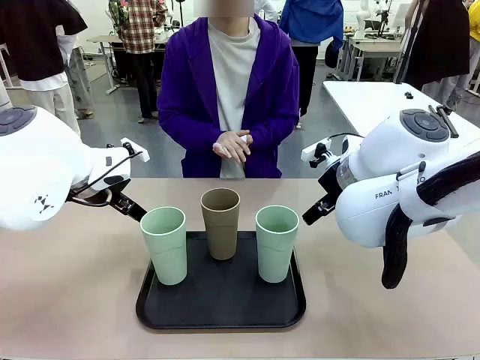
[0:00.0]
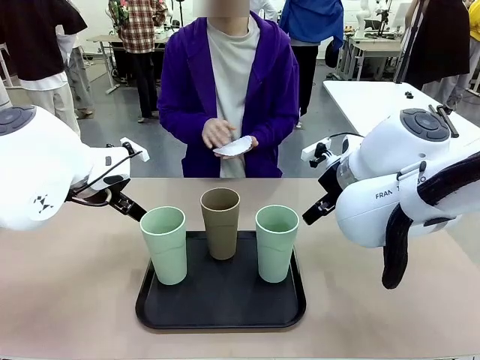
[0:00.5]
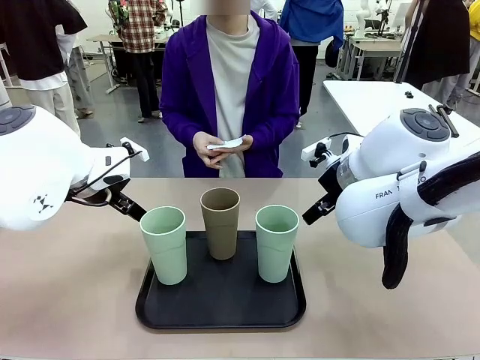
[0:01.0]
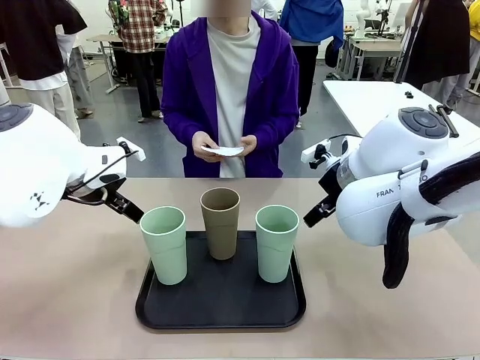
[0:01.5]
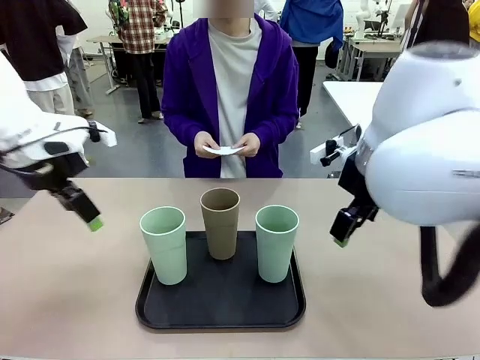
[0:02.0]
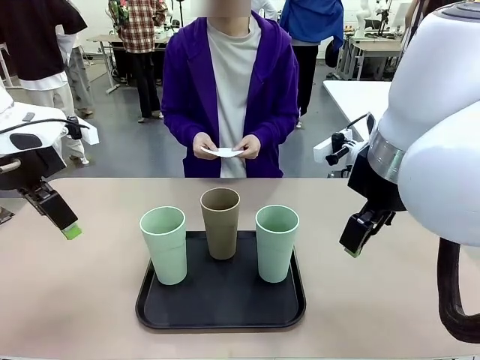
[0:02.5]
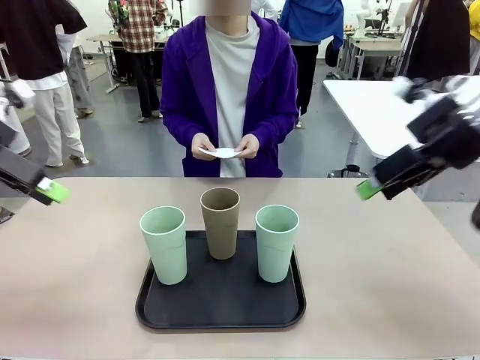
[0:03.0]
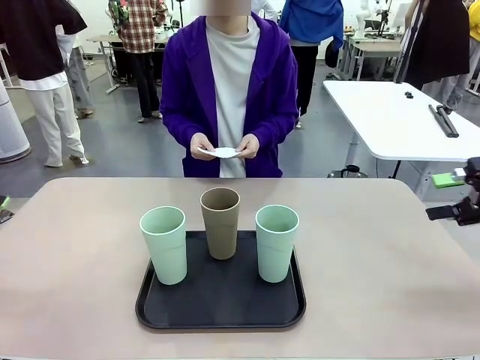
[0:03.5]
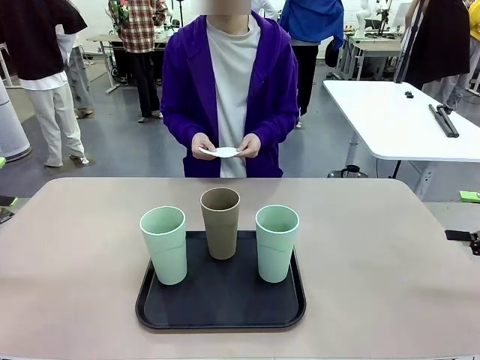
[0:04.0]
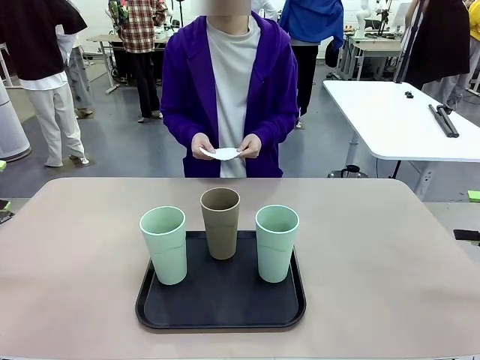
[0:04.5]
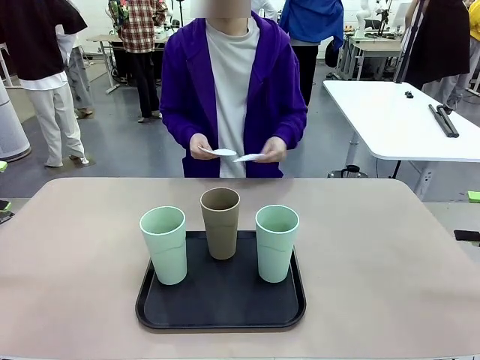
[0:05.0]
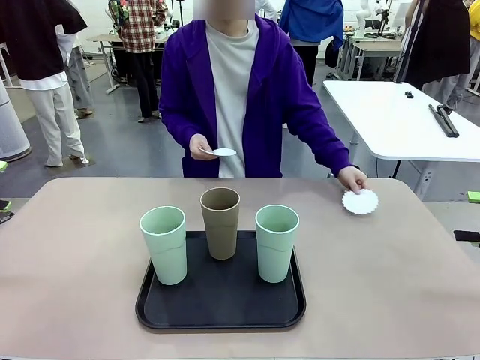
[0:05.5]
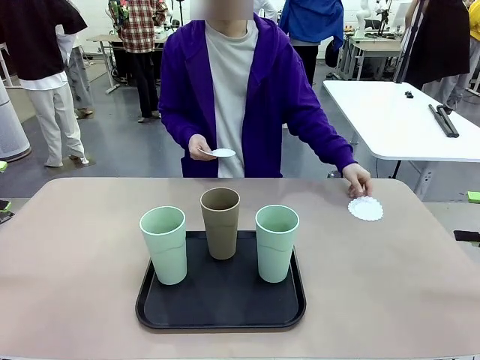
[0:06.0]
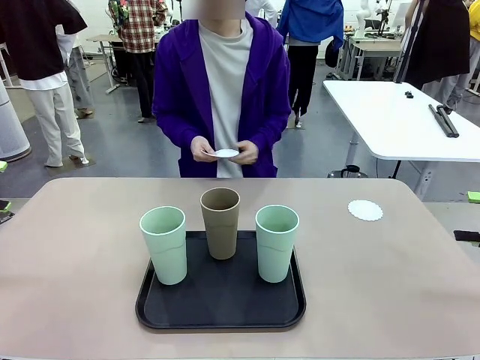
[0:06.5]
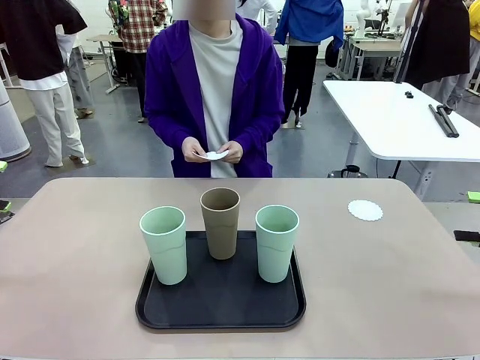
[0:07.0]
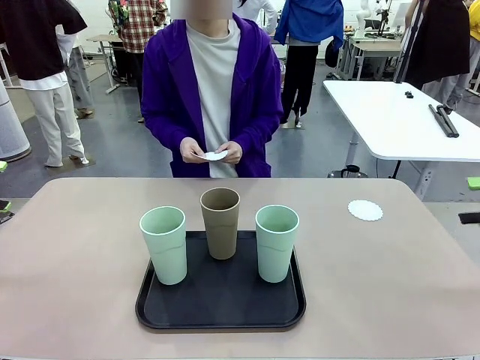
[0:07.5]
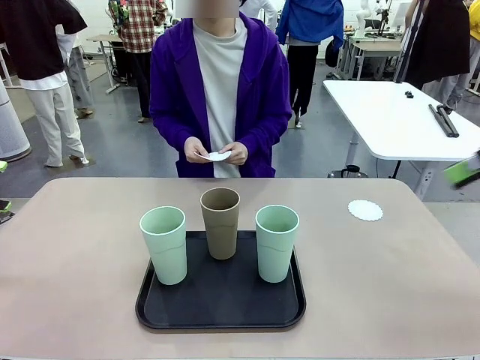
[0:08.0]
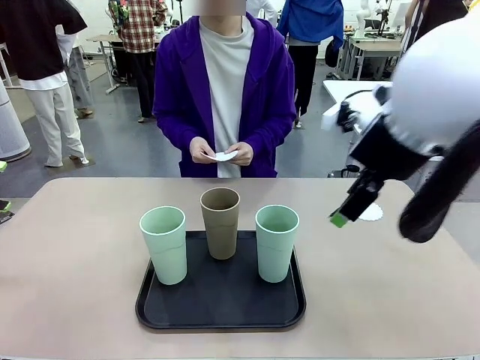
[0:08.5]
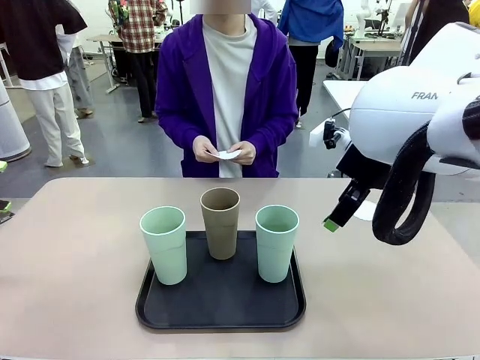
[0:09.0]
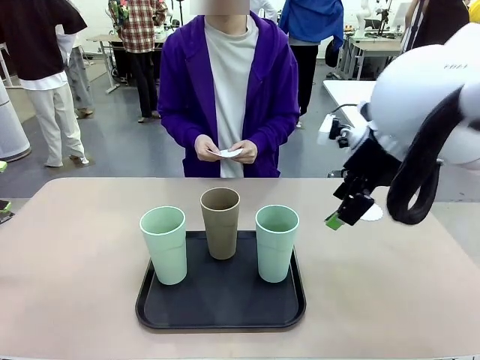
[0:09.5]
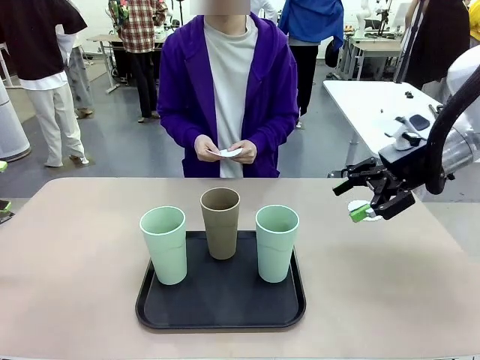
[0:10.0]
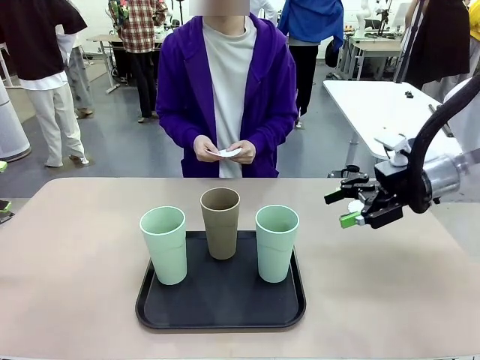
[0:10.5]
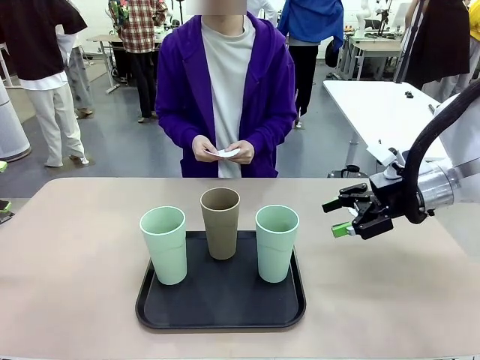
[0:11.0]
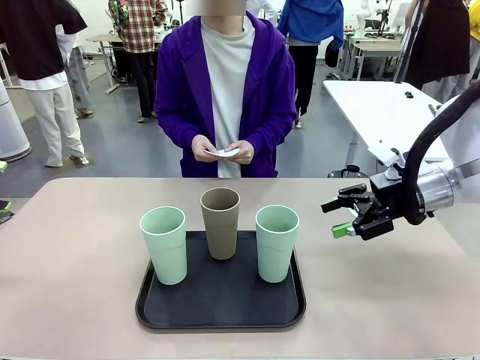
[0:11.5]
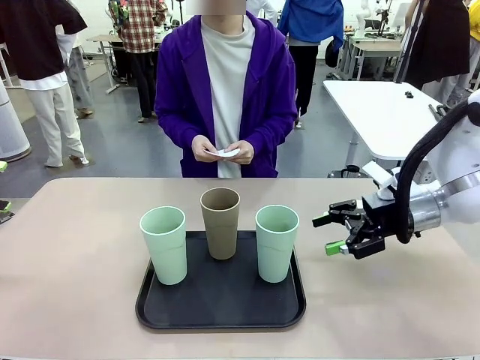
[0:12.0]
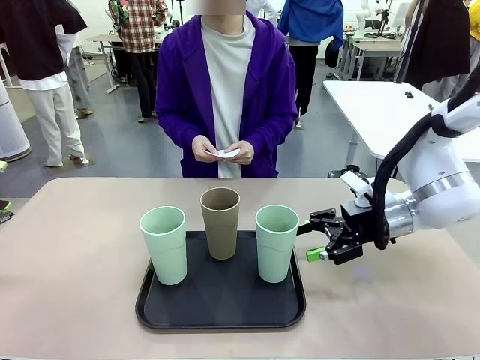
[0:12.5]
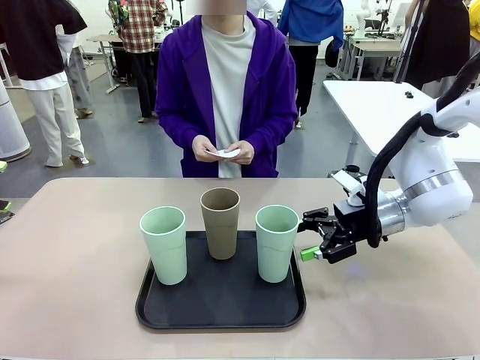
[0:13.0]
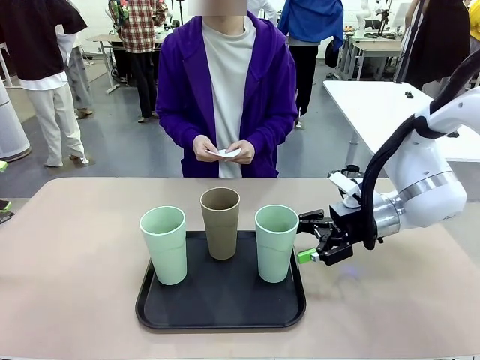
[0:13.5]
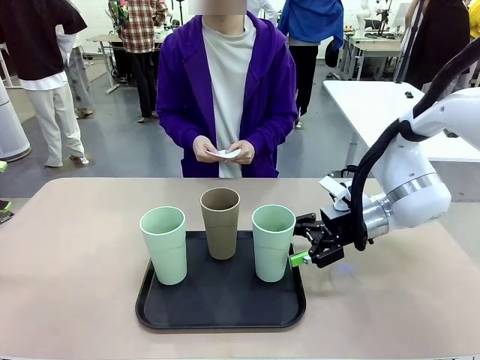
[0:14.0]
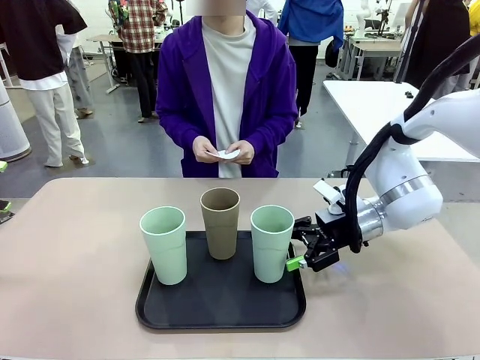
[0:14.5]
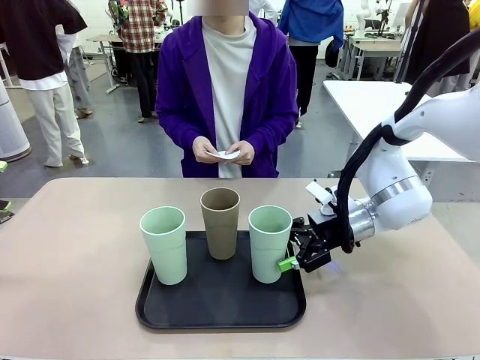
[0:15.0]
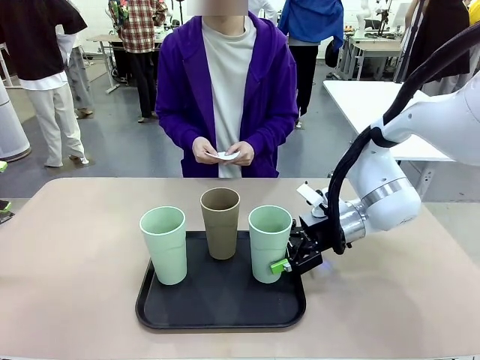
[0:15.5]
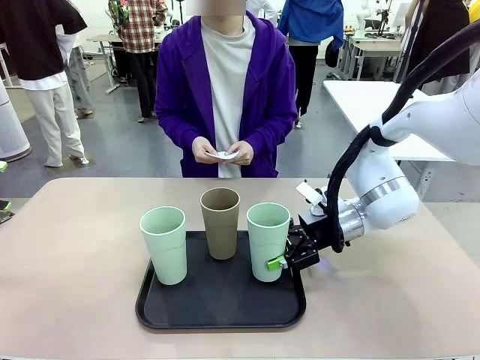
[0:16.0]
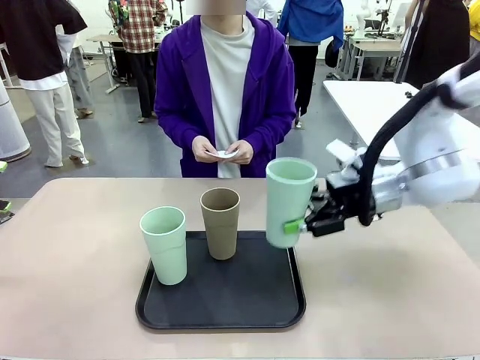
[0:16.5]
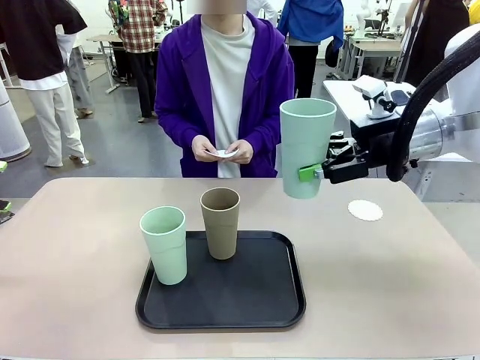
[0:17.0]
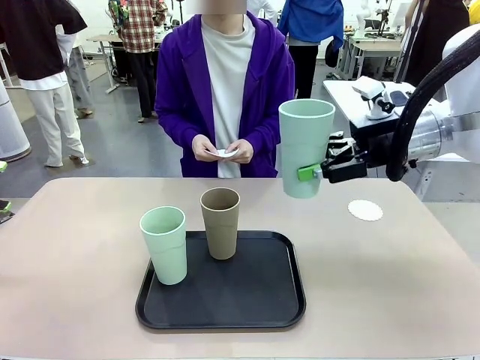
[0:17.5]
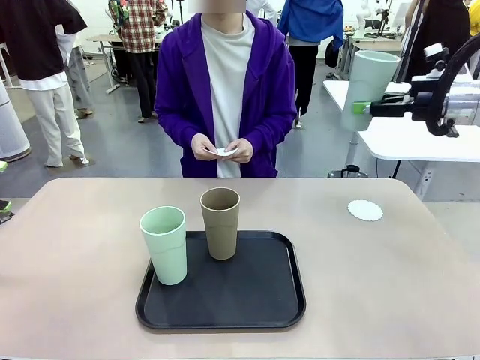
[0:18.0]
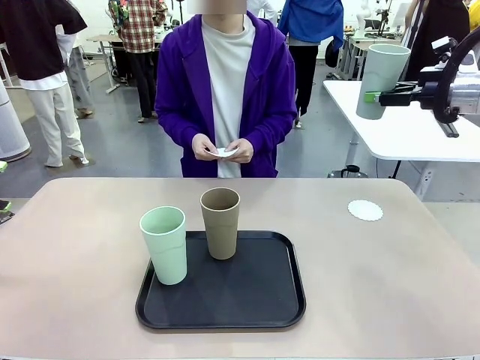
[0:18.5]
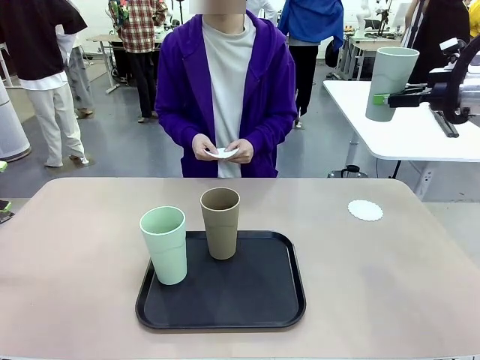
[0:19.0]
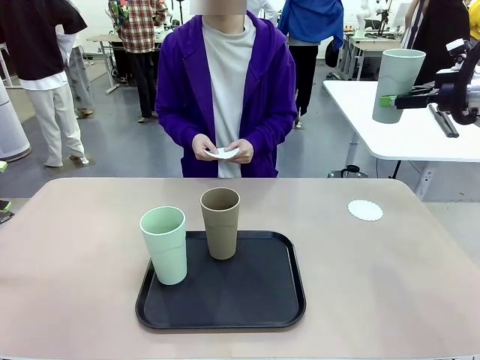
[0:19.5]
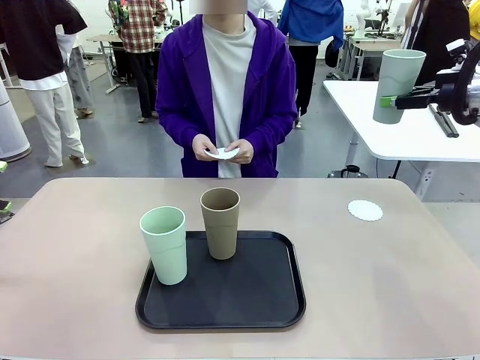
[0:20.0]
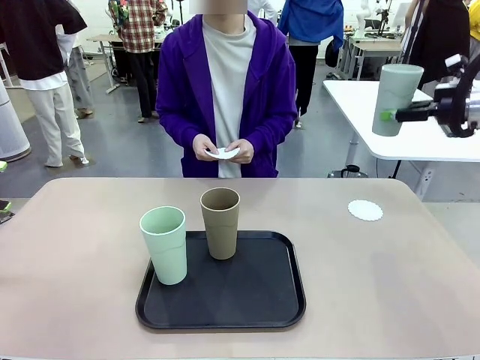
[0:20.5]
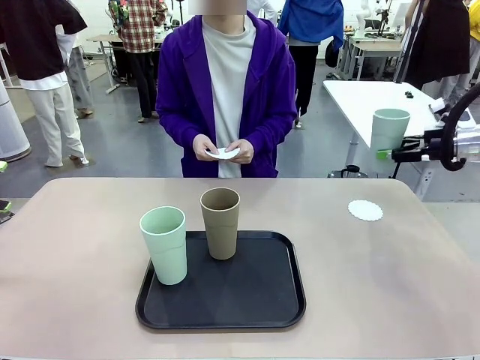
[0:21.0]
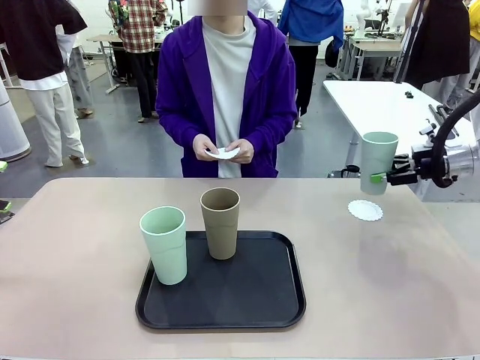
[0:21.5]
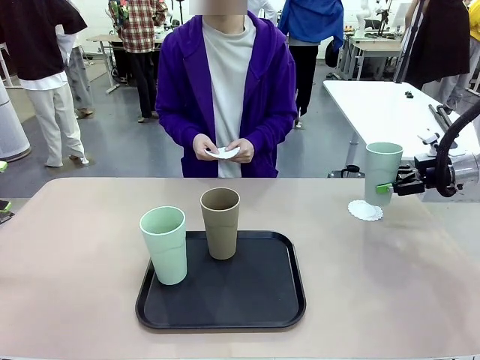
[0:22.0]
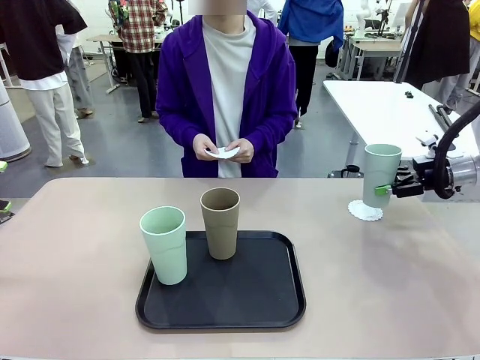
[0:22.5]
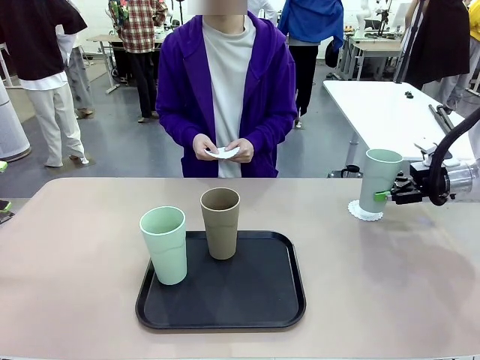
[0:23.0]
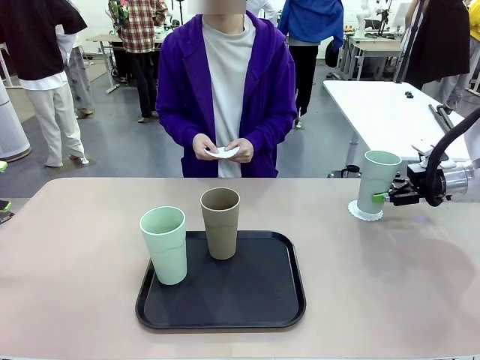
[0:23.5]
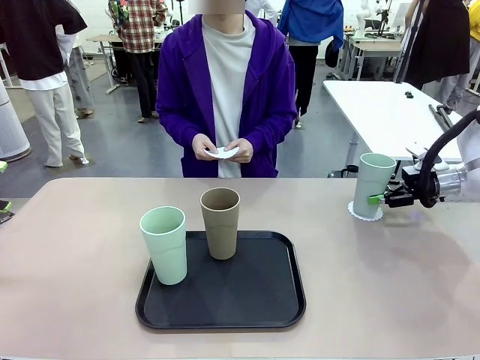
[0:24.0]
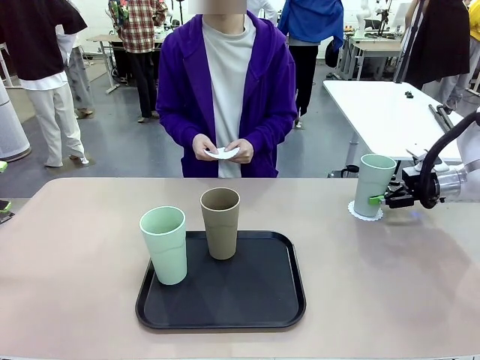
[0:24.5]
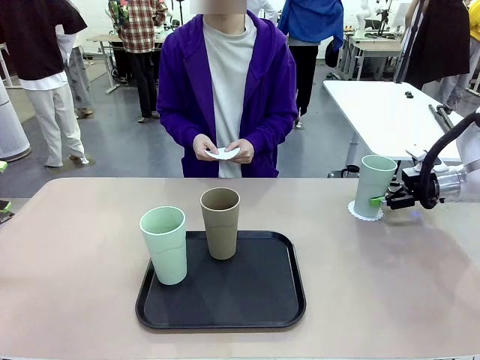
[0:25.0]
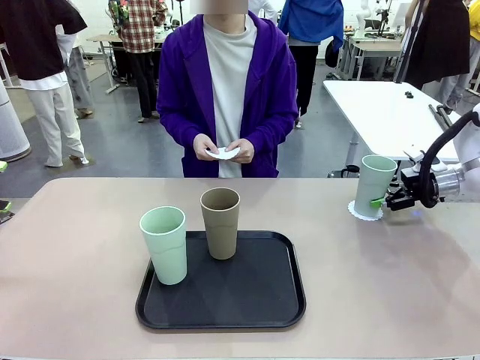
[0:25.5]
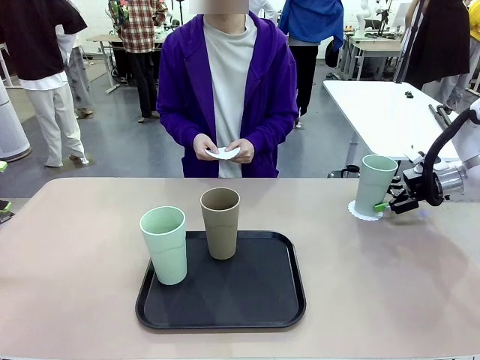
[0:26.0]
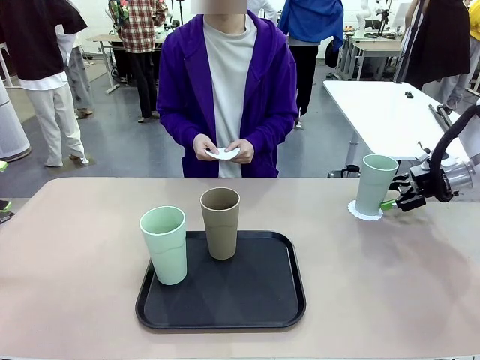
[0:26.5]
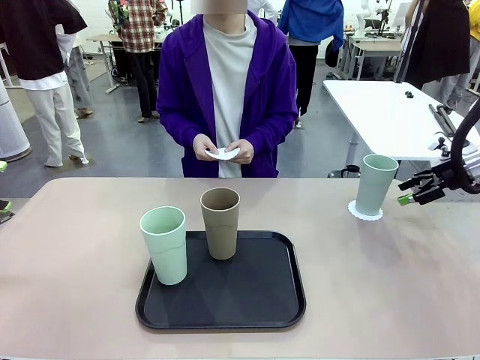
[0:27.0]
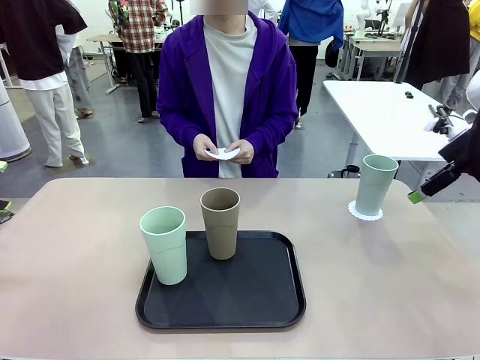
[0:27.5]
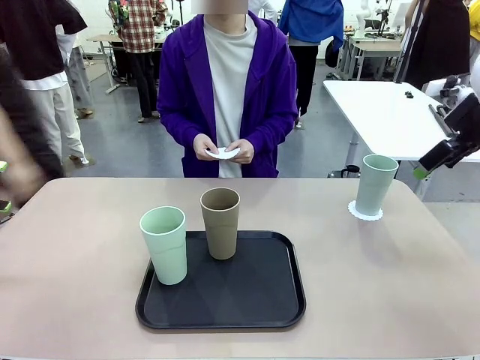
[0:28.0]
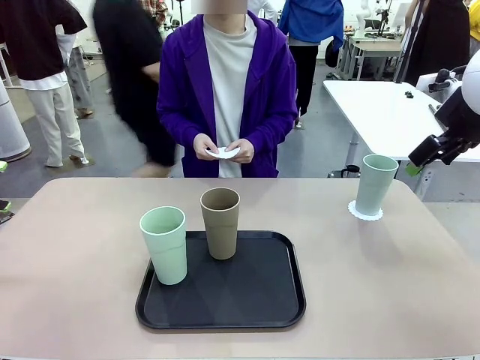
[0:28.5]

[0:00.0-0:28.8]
Task: Place coasters on the table and set cups on them.
Robot: Pick up one Reusable plastic cup and place it on a coaster set by the human.
Person: Place one coaster in any one of the three lower areas of the robot table (left, center, or right). Place one coaster in one of the two areas excluding the previously selected area.
